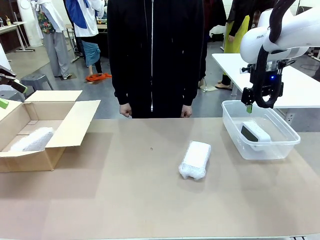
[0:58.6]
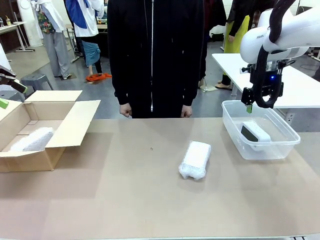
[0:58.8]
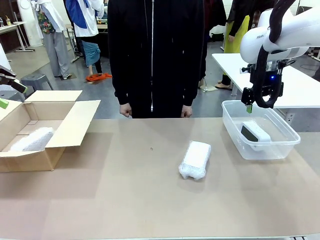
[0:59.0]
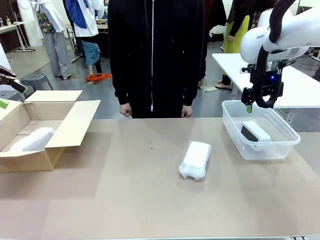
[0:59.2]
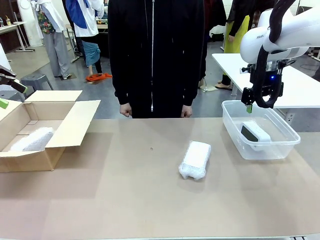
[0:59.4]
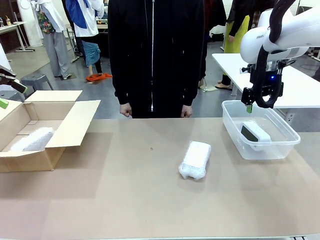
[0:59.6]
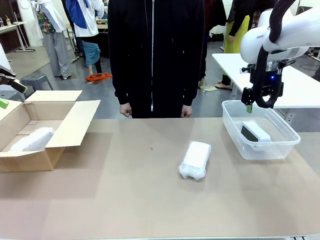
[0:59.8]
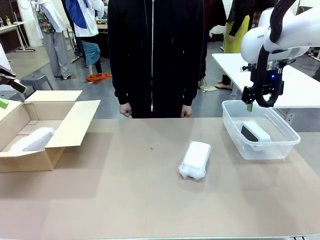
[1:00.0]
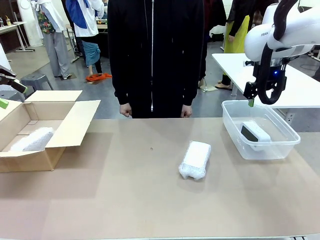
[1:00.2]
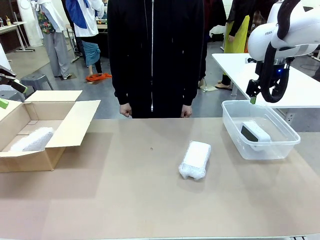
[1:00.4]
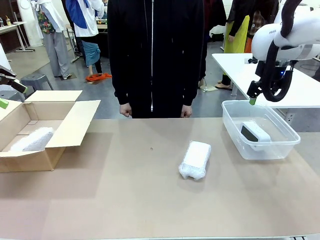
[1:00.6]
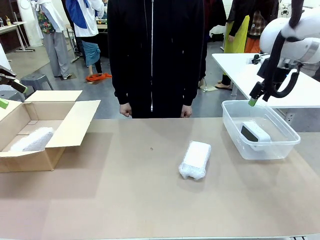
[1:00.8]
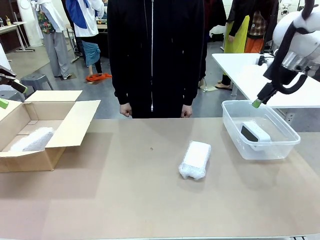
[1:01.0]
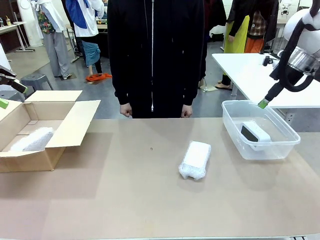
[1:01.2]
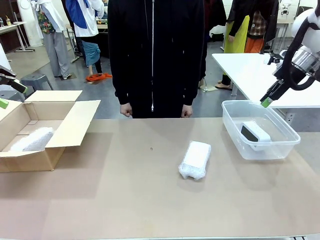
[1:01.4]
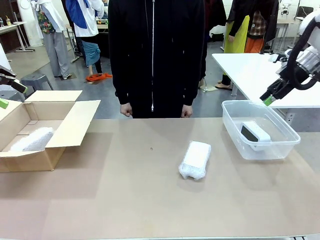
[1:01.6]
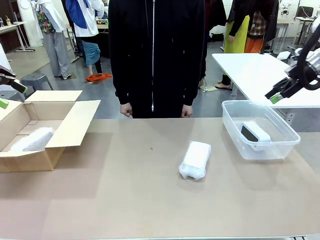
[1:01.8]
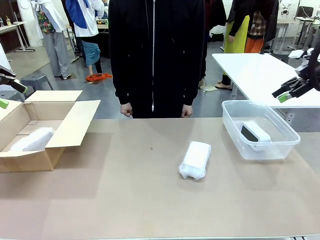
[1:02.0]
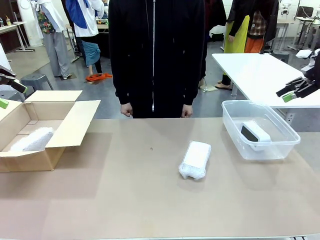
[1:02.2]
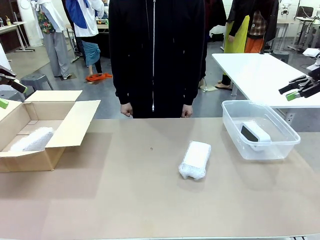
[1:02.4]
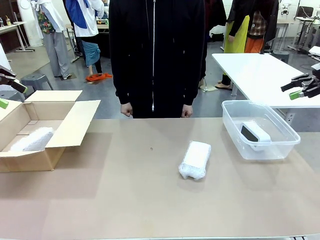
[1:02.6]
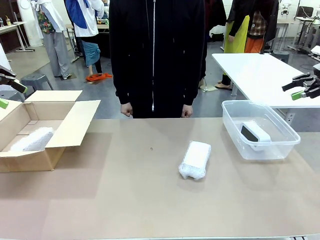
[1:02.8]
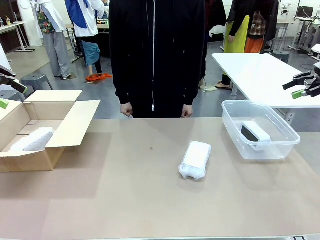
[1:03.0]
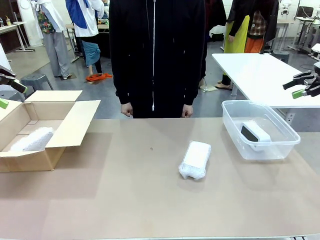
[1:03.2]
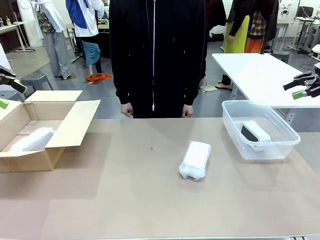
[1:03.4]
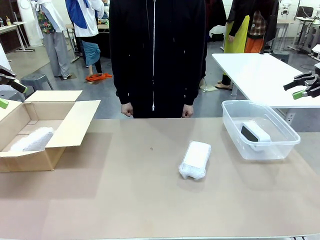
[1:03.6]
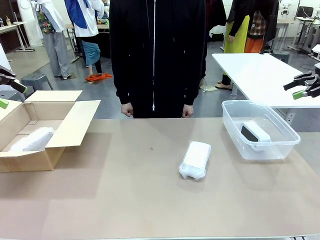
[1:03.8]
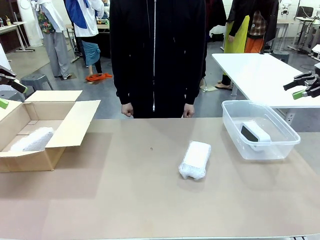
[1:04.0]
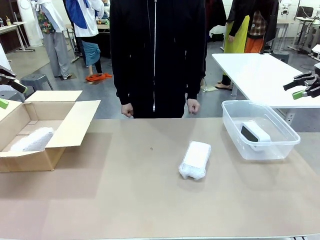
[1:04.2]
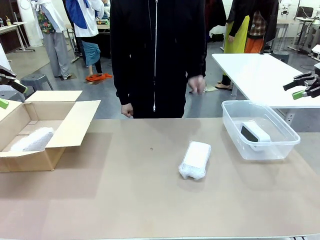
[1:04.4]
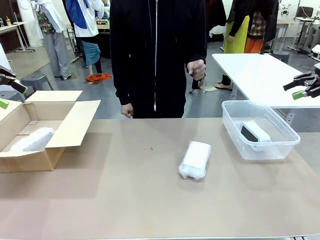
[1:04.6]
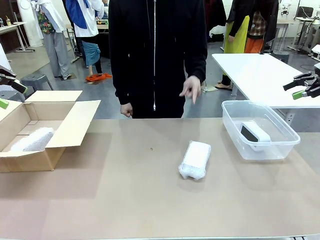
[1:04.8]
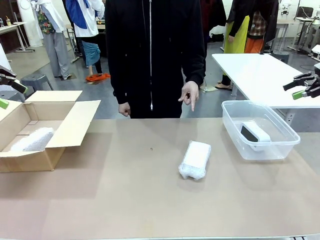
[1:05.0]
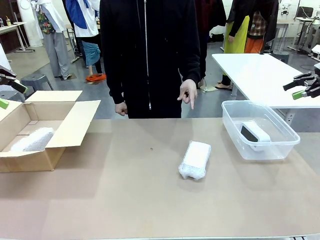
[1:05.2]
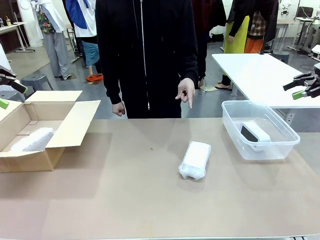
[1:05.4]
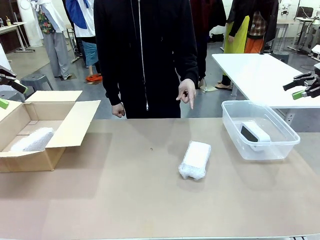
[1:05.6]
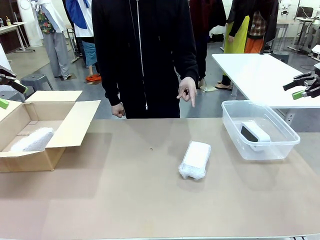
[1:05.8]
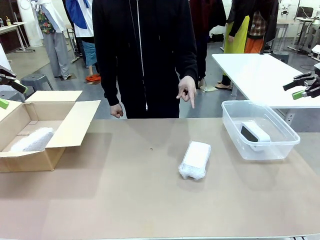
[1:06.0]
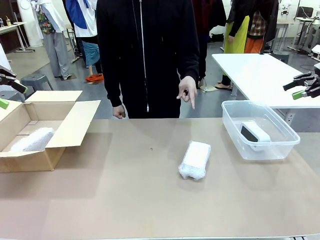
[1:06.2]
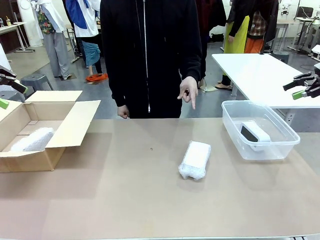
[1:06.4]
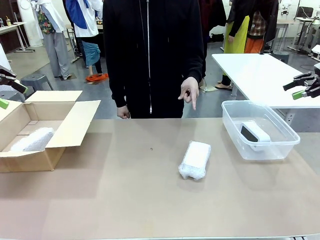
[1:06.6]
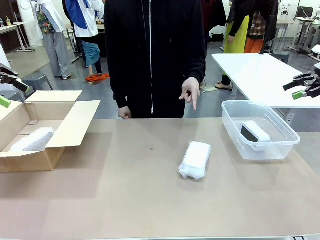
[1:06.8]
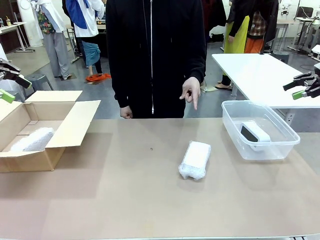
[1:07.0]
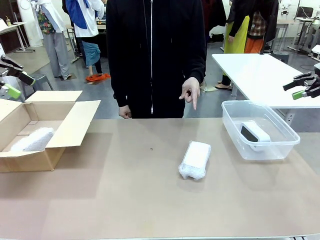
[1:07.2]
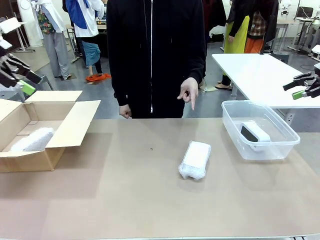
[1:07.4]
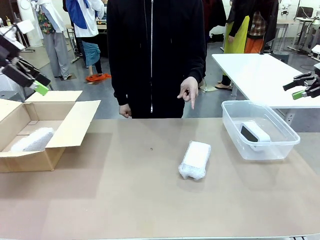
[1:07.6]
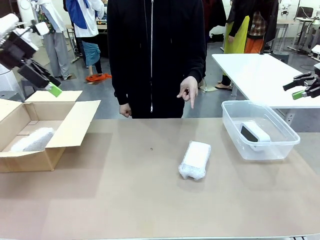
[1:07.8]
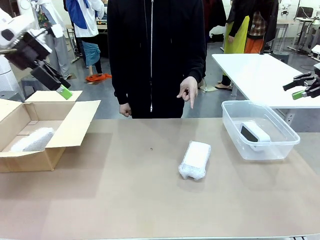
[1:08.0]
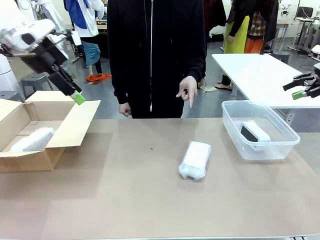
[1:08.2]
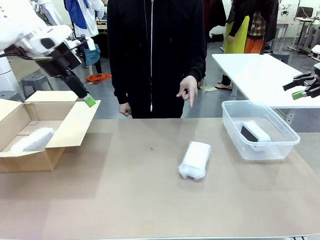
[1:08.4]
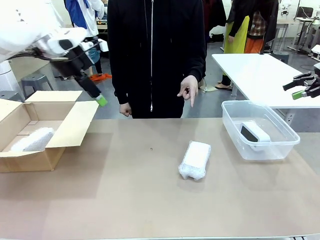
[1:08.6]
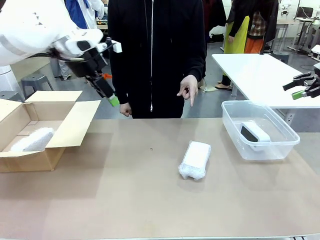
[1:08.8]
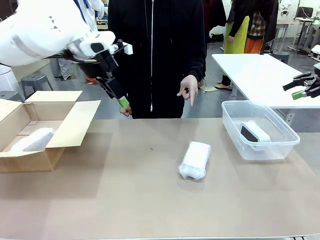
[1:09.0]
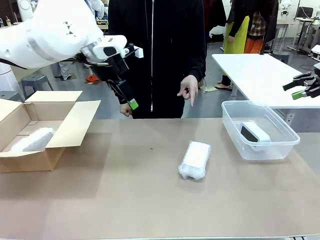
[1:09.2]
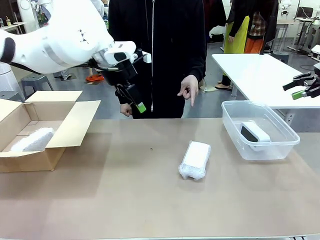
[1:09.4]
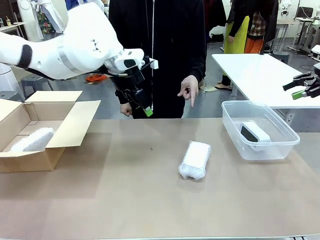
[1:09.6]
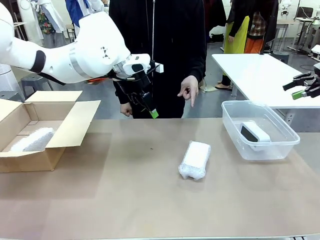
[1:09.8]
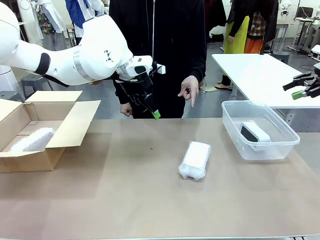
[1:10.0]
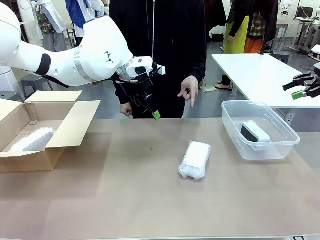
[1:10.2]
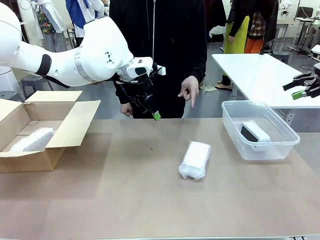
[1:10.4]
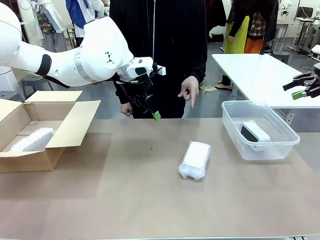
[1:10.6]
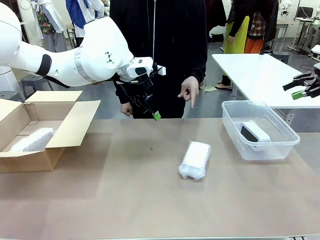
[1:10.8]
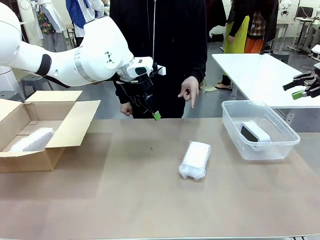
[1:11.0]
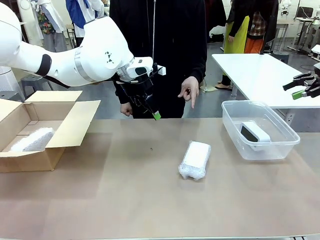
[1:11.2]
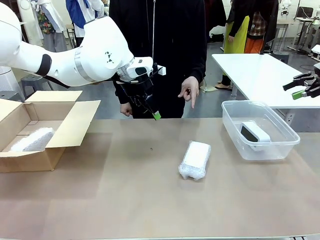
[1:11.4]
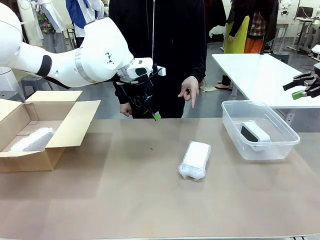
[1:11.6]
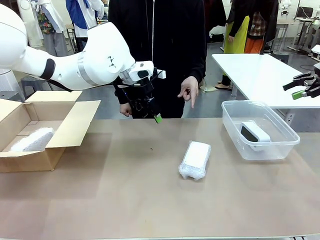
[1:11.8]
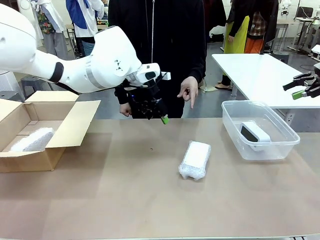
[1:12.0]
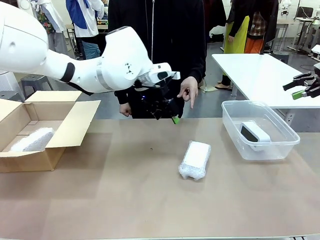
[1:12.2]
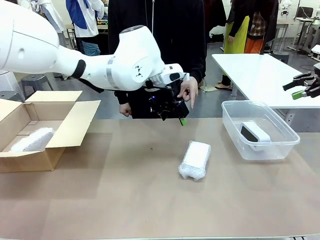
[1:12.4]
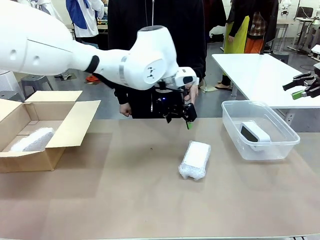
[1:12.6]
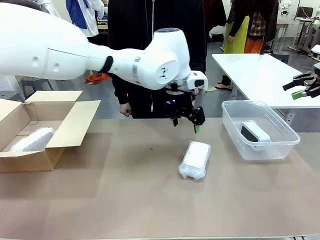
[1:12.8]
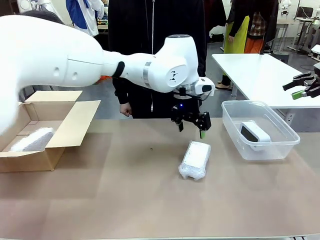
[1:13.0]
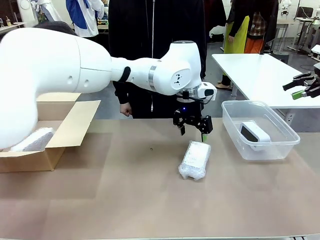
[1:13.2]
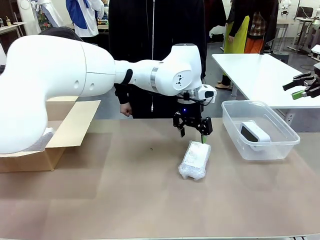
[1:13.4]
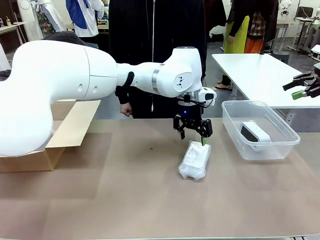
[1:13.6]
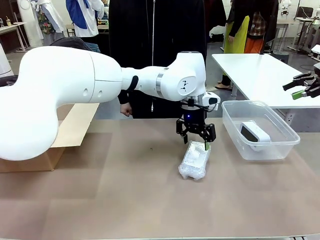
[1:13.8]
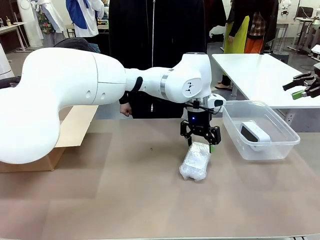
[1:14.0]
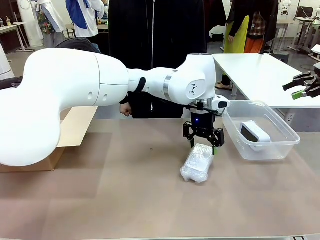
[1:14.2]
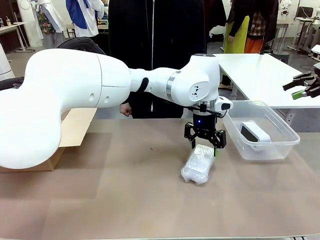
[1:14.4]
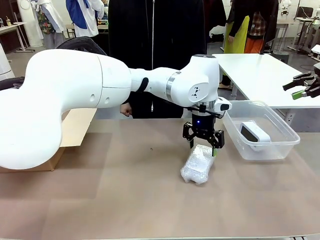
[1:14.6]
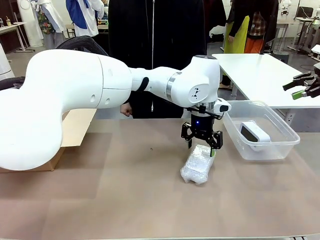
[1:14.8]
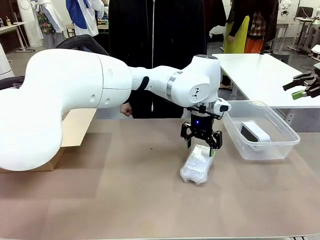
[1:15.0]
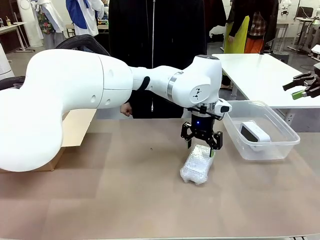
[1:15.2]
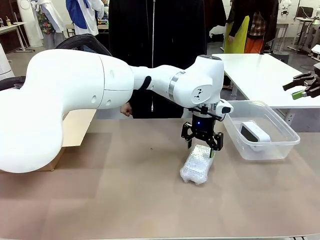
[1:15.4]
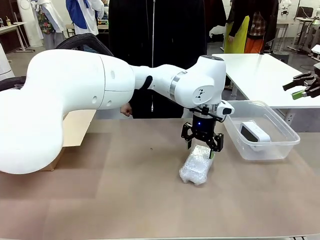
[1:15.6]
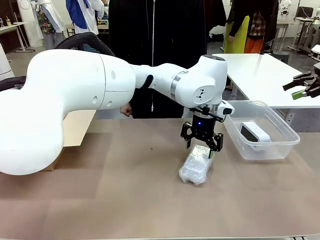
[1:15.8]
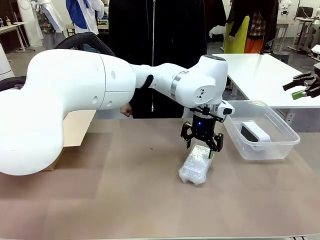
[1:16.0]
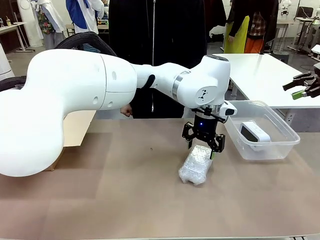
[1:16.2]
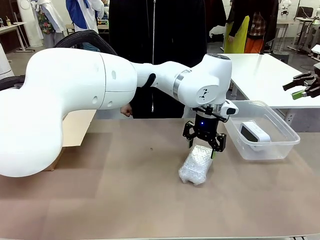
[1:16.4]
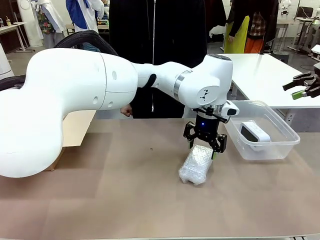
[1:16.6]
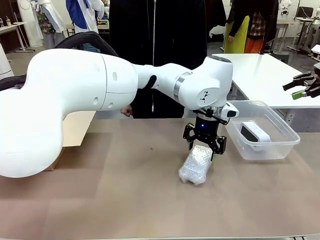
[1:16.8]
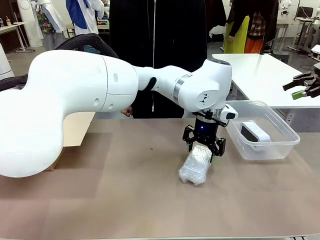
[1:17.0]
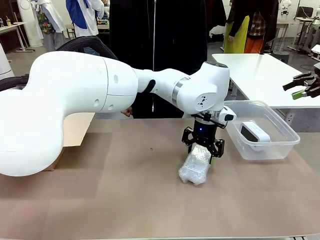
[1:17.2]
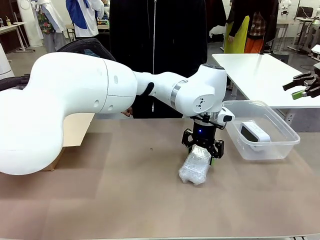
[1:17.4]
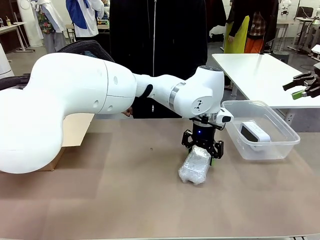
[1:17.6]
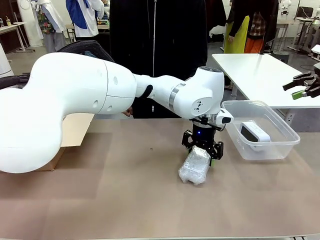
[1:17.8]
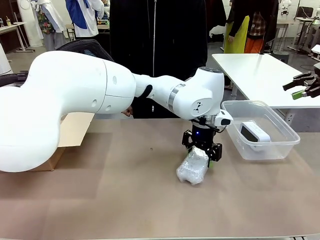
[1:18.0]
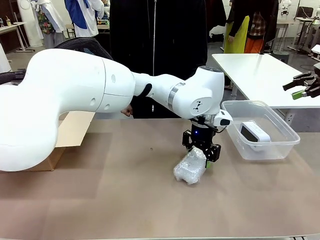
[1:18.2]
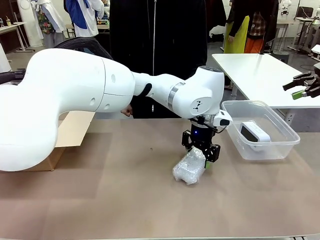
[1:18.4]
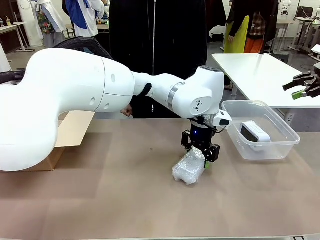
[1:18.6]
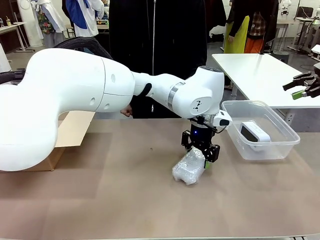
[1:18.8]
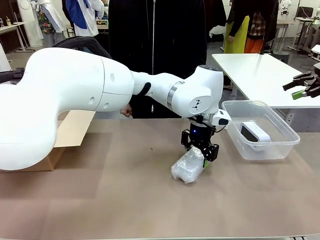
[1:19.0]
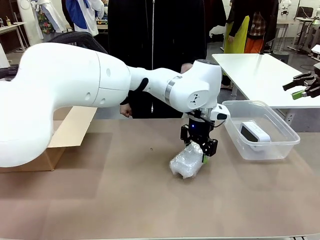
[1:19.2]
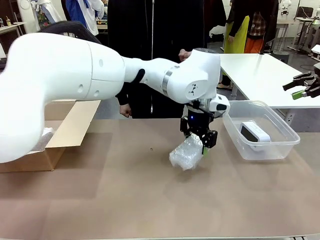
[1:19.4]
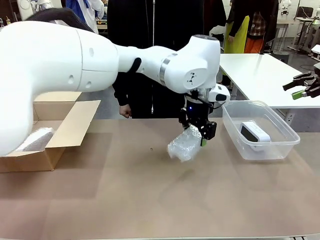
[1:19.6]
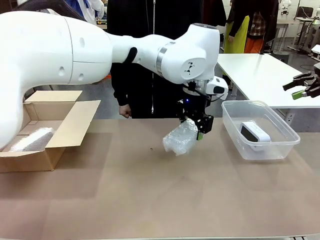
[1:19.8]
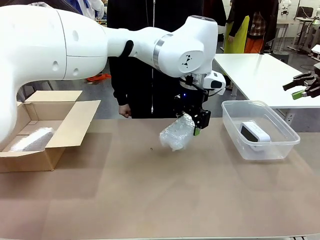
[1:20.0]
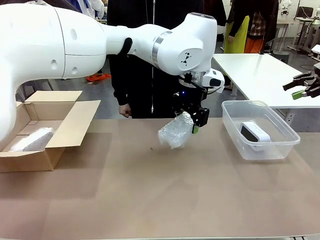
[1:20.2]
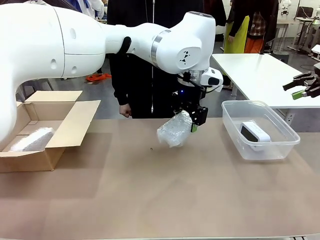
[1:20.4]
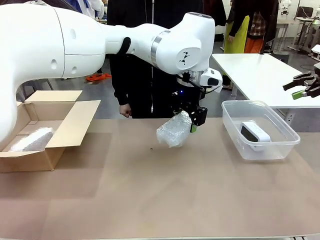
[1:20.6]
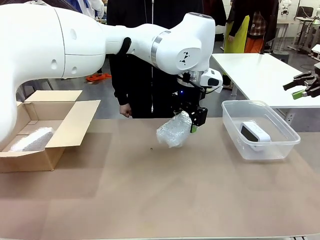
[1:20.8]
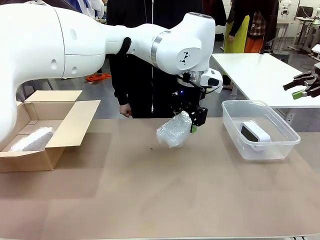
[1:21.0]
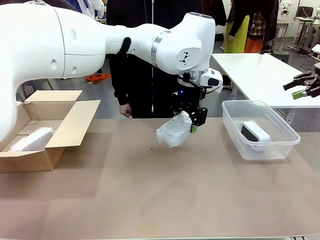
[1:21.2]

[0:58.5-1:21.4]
Task: Separate and place wrapped and unwrapped clocks.
Robot: Pick up the Digital clock indicated by the person.
